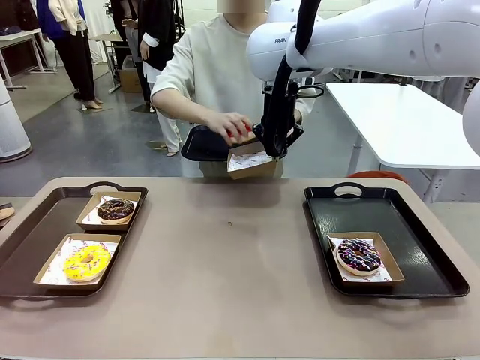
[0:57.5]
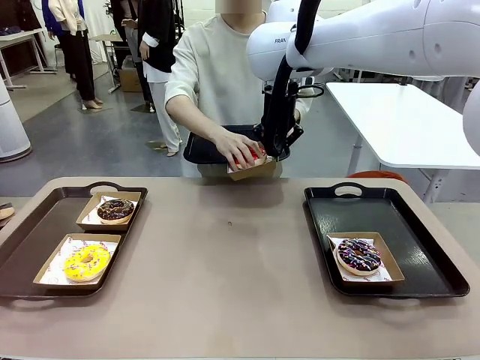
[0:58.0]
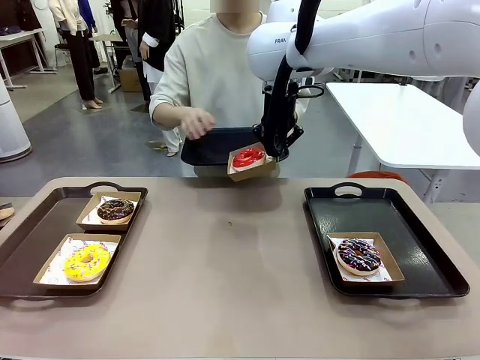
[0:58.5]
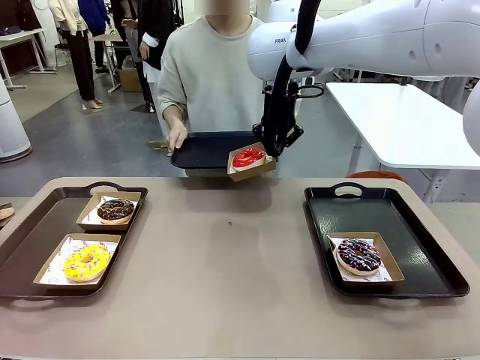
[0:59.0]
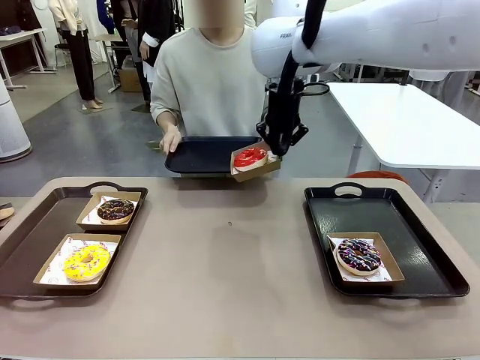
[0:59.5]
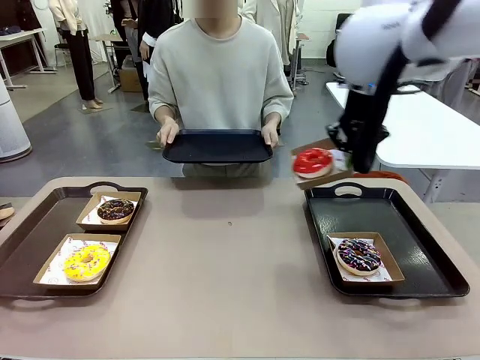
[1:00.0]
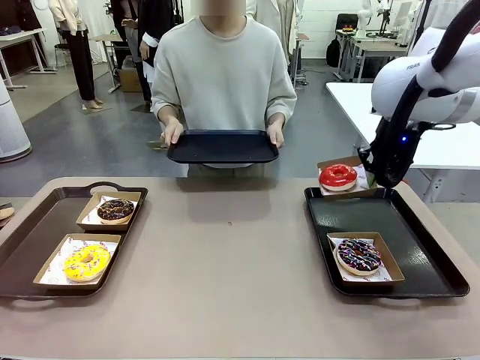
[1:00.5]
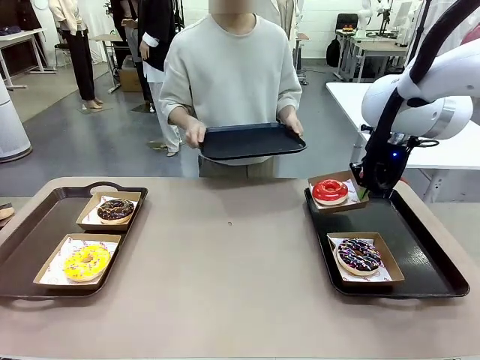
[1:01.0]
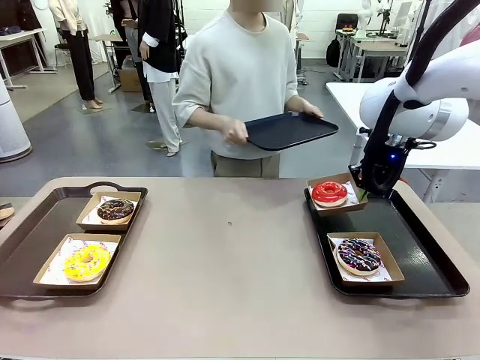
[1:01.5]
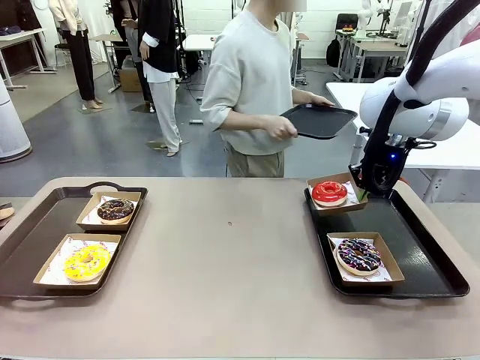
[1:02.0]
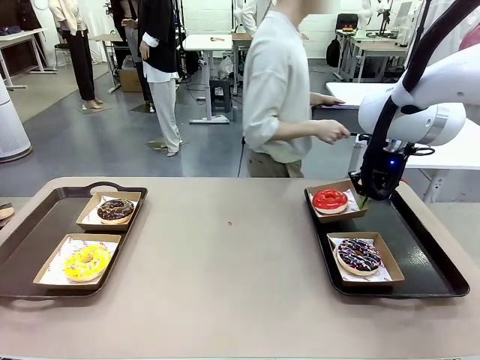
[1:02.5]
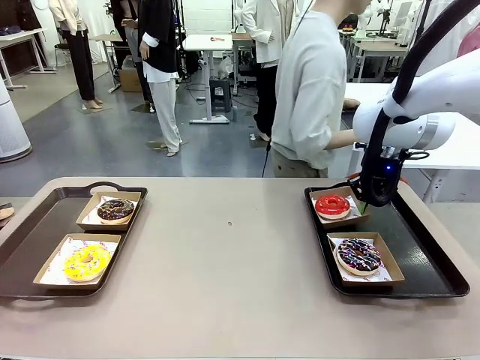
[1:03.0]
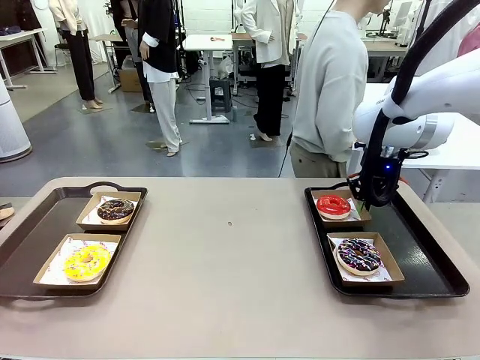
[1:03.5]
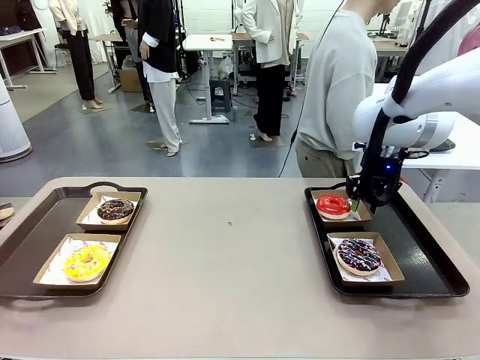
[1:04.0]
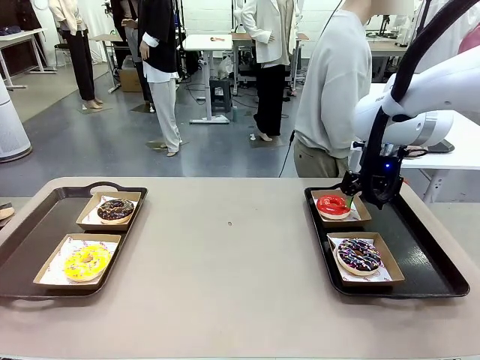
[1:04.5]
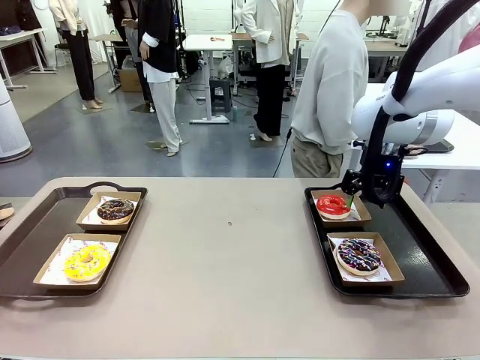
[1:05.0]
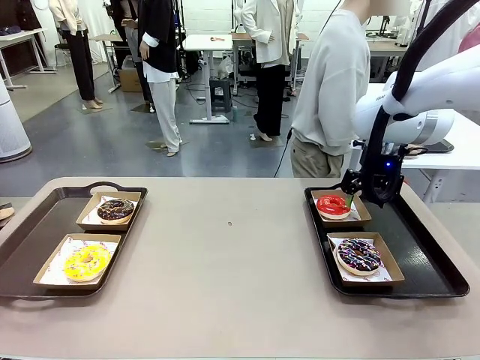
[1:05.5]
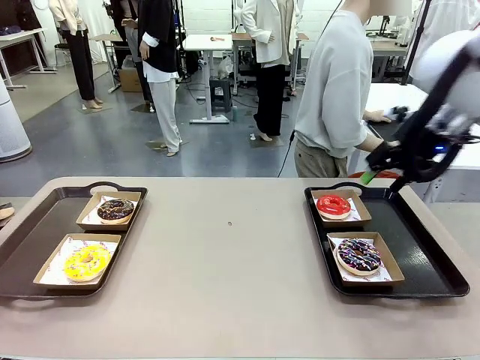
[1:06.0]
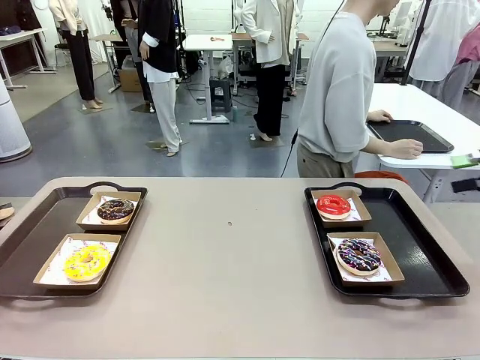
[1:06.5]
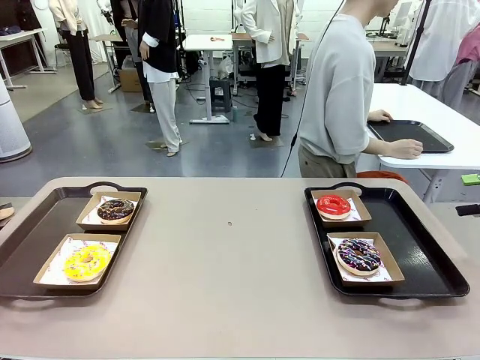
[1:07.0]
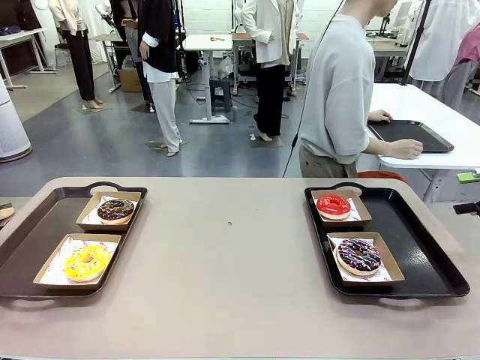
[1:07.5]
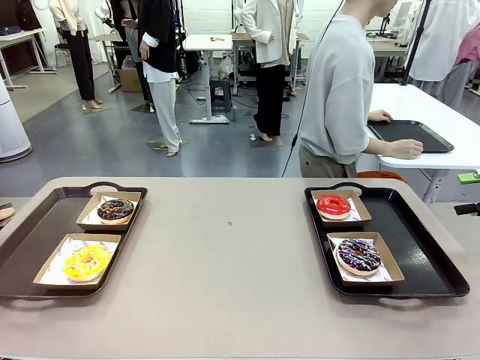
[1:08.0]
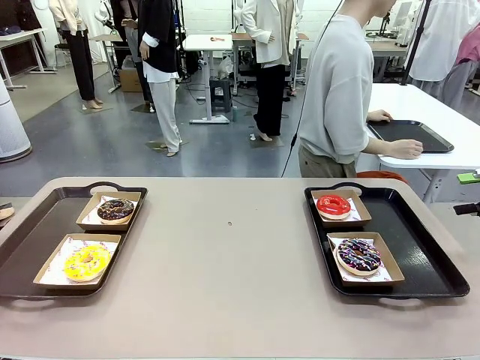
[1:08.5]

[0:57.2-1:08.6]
Task: Individually package the donuts and arrange them on the tray.
Robot: Place the picked Paper togo box on the Handle tray.
Person: Place the tray down in the middle of the human table.

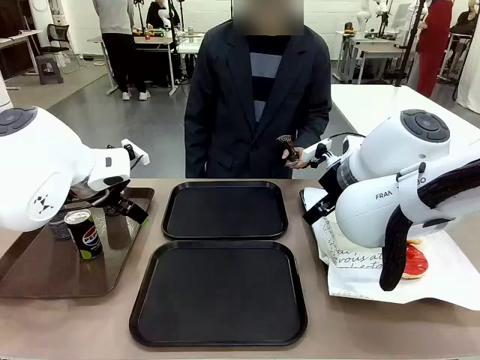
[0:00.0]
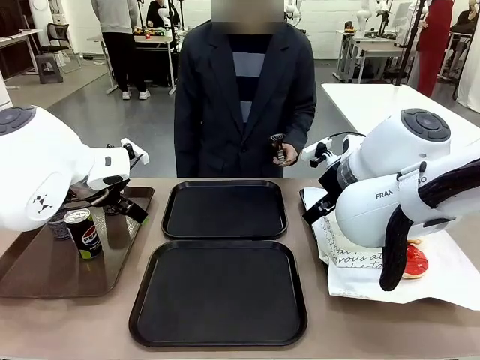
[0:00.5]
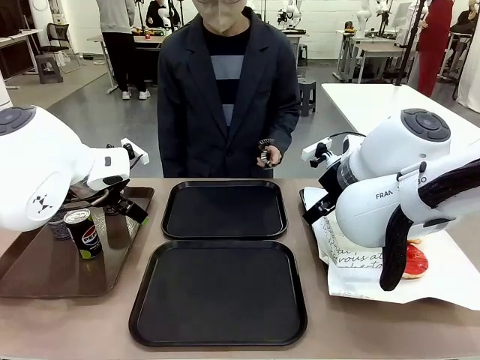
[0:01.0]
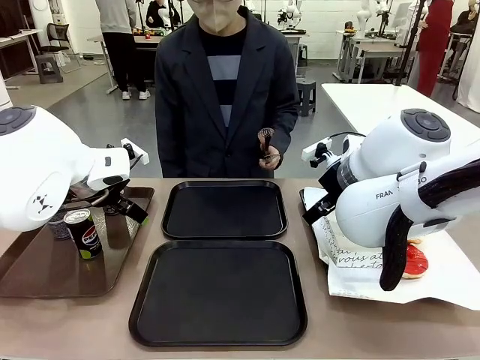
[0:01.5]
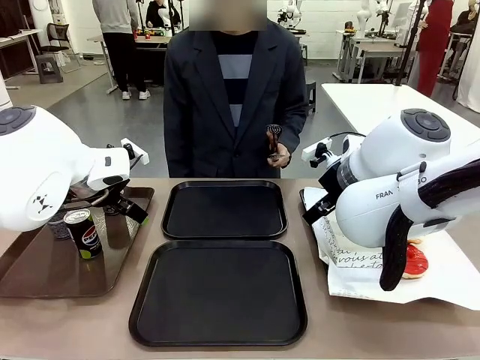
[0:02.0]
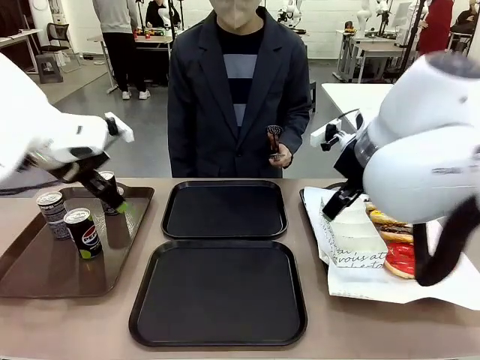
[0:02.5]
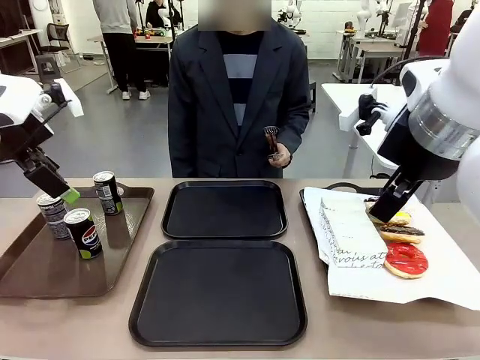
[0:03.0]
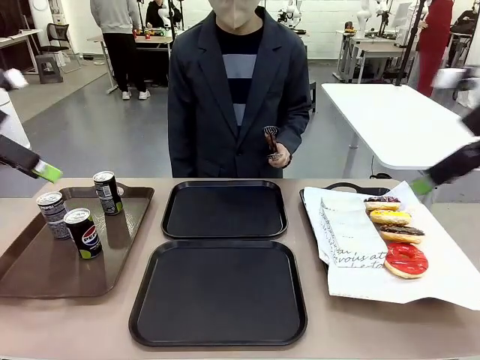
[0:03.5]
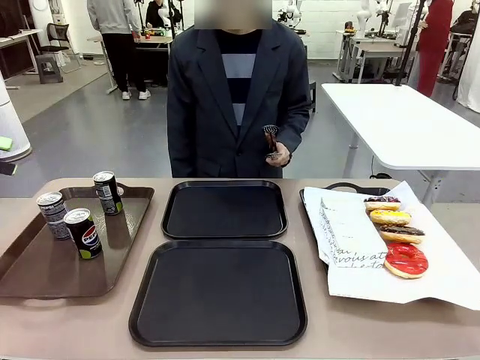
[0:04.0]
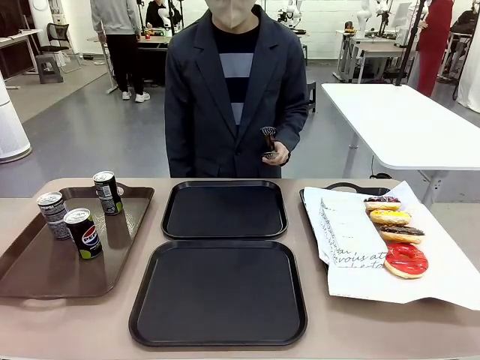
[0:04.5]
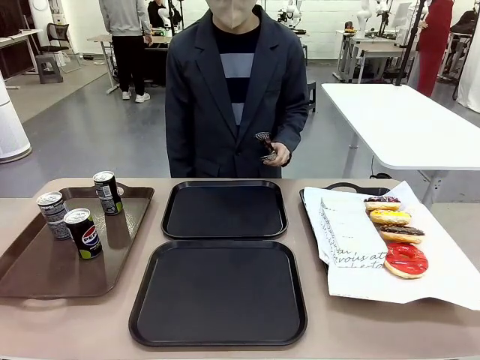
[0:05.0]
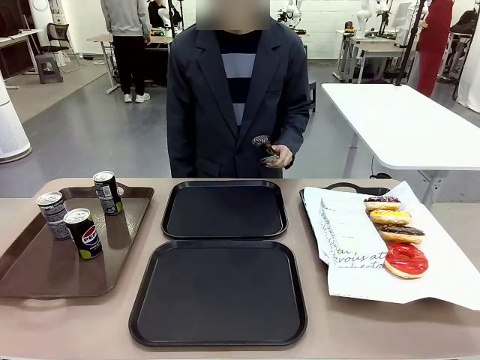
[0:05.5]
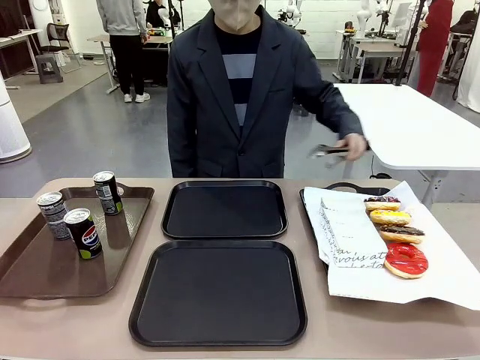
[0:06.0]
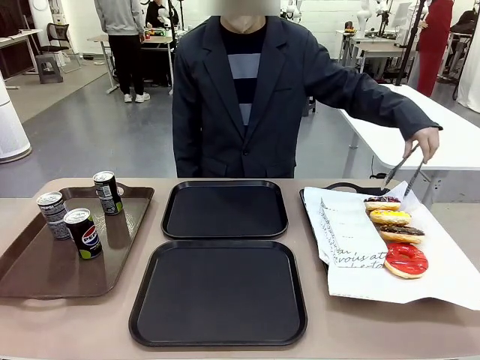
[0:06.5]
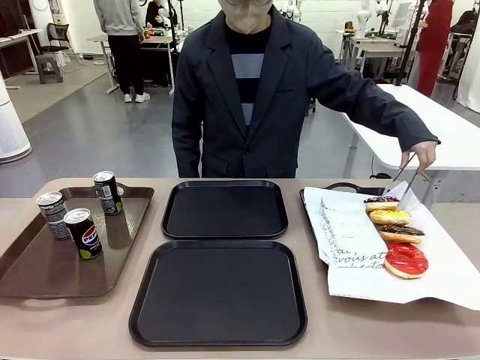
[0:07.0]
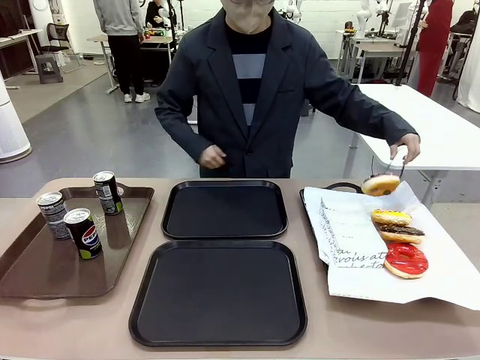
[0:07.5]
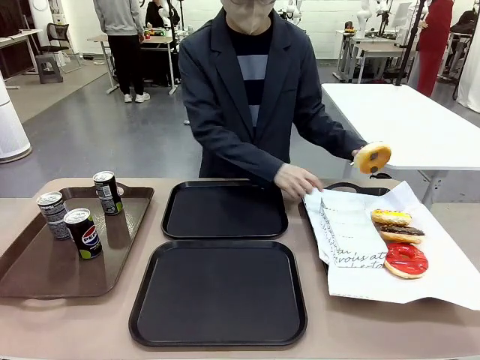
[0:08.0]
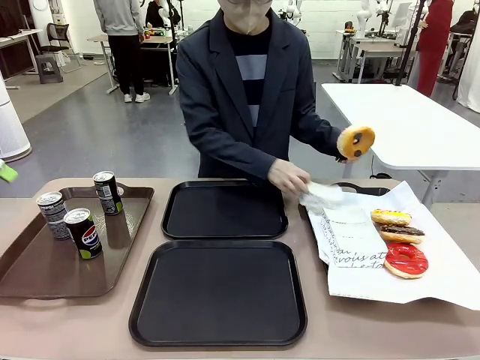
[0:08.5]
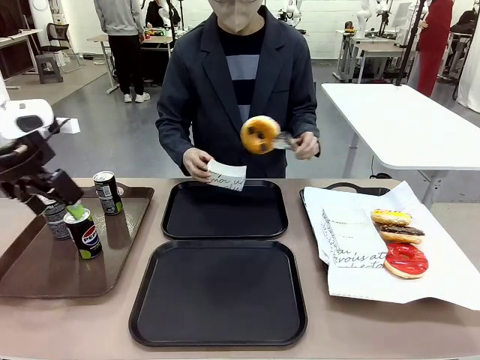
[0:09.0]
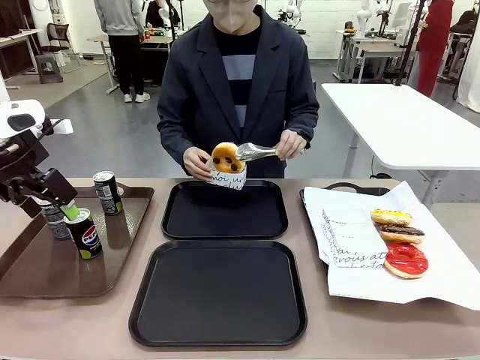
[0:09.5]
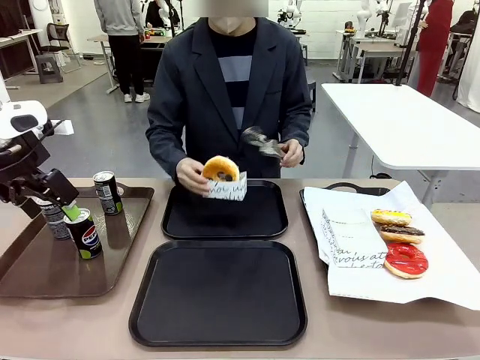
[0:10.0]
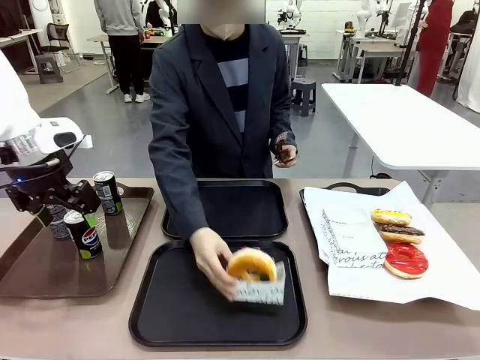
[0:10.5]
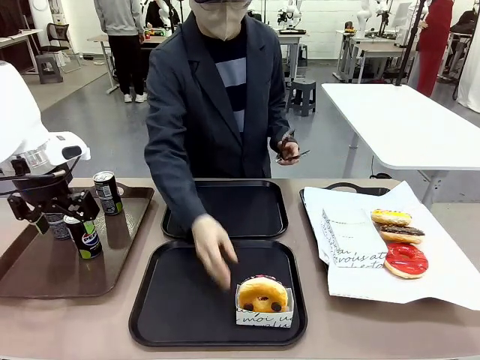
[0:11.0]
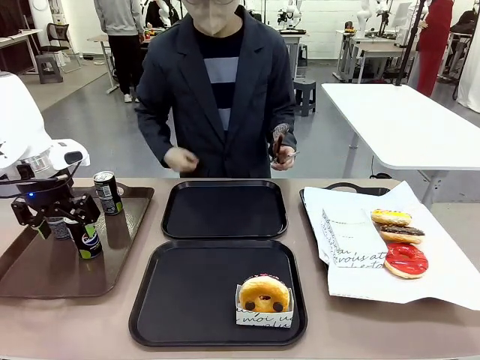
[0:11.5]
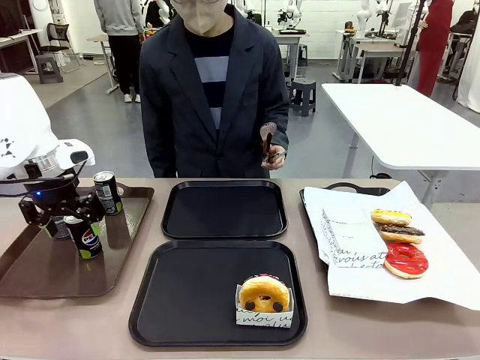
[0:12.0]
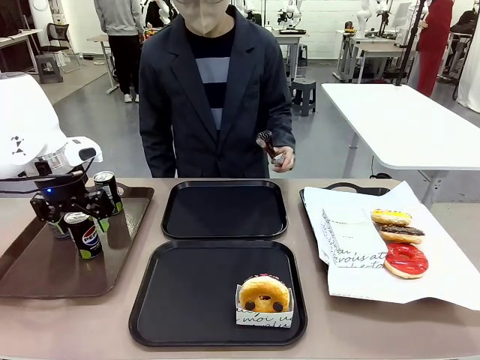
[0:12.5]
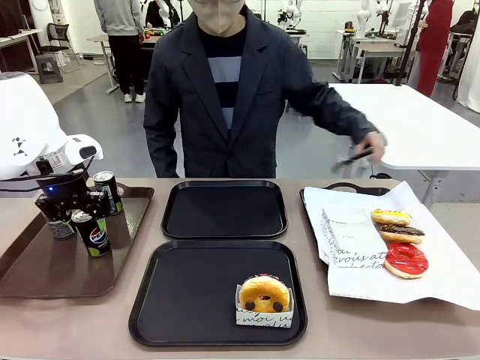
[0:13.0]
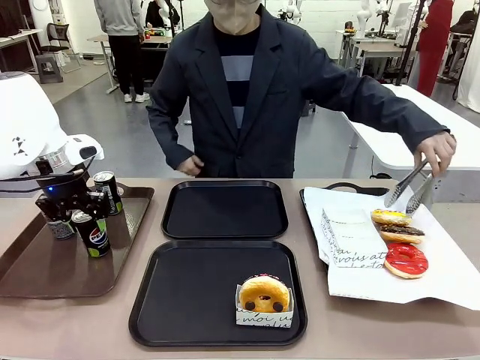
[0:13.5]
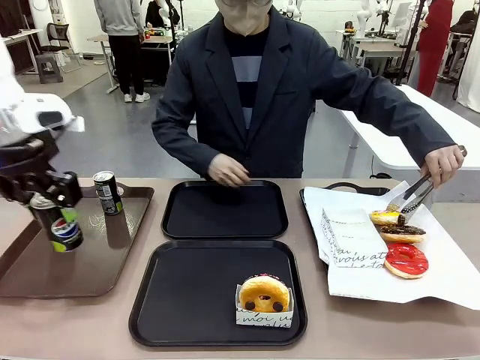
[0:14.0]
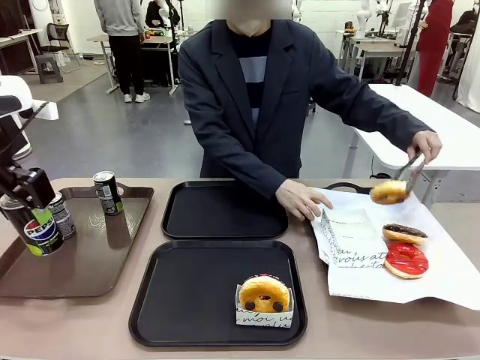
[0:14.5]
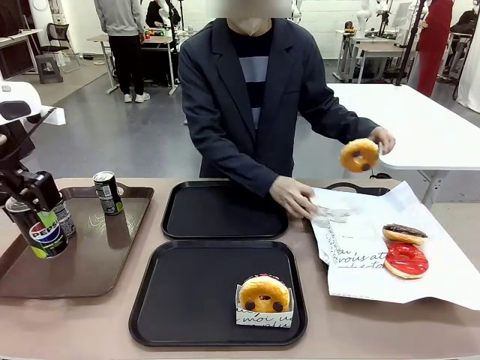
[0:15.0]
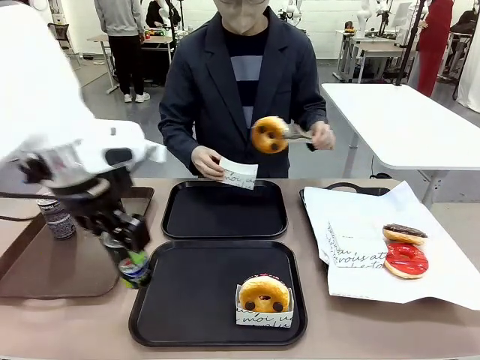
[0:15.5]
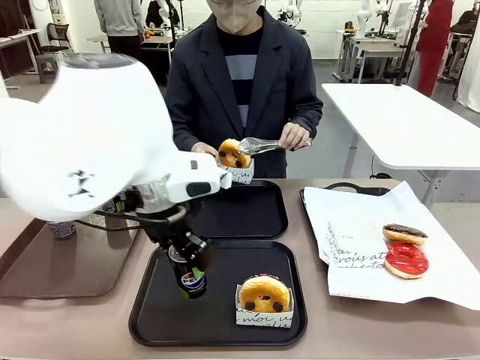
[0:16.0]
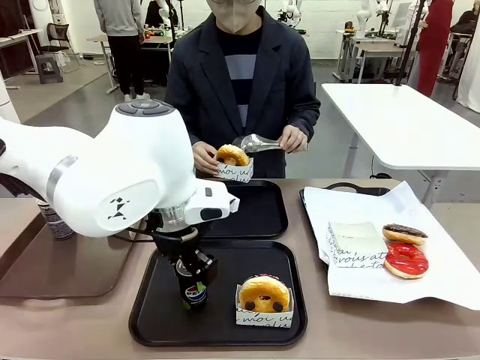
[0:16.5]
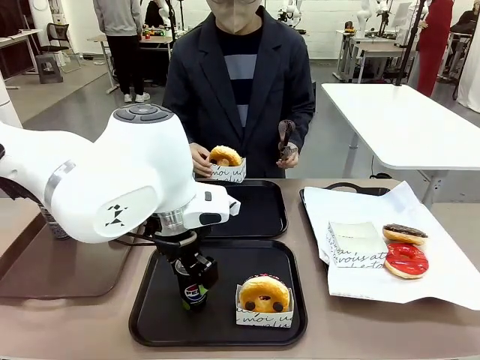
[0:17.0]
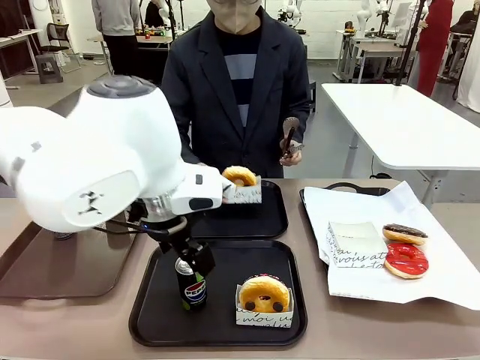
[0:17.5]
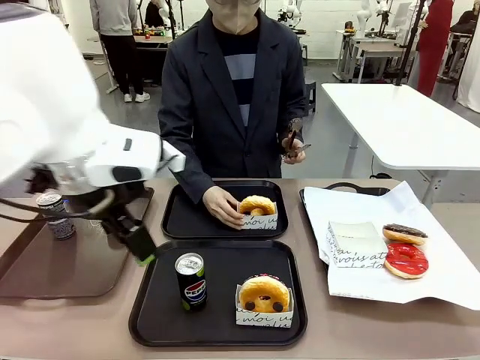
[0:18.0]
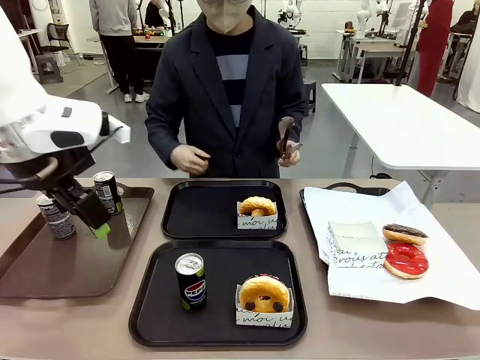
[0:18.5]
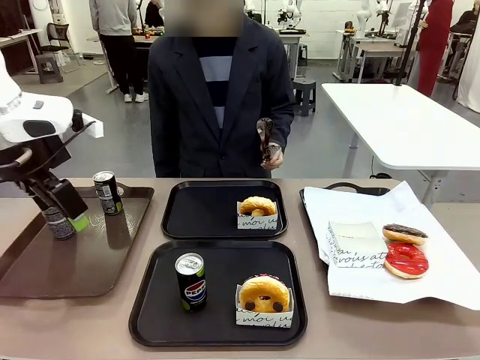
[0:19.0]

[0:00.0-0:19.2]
Task: Set up donuts and drinks on trays.
Robot: Pick up one Pepsi coke and place it on the Flat Tray.
